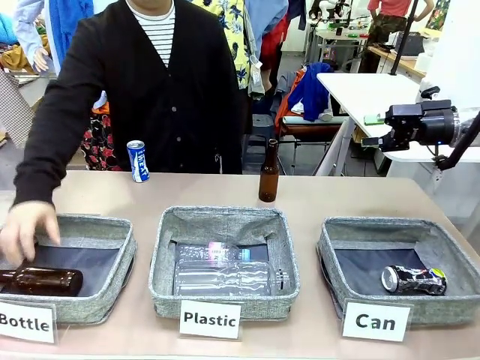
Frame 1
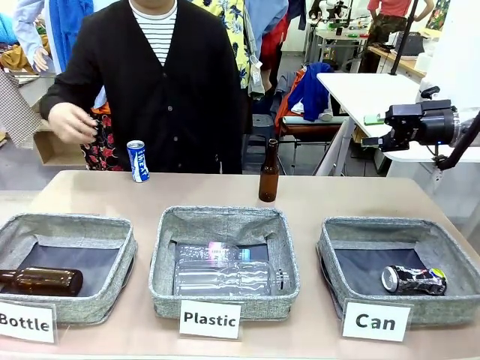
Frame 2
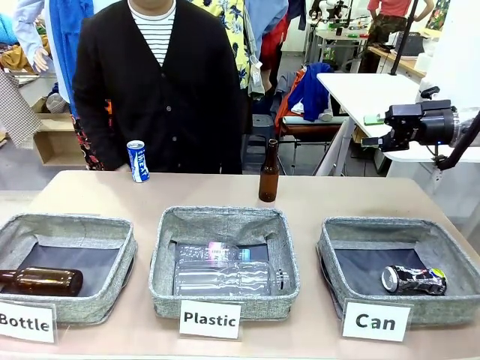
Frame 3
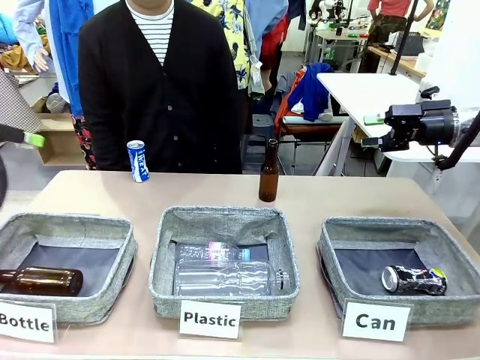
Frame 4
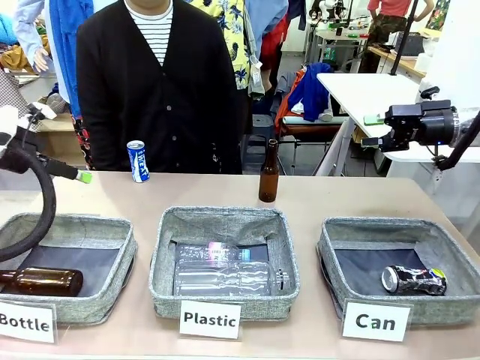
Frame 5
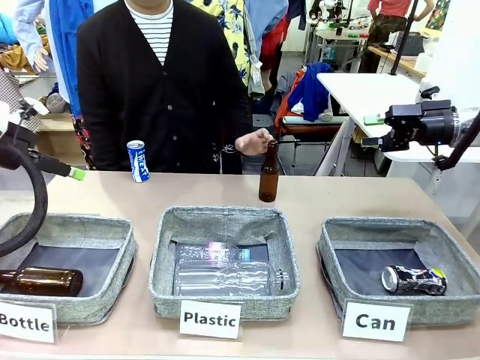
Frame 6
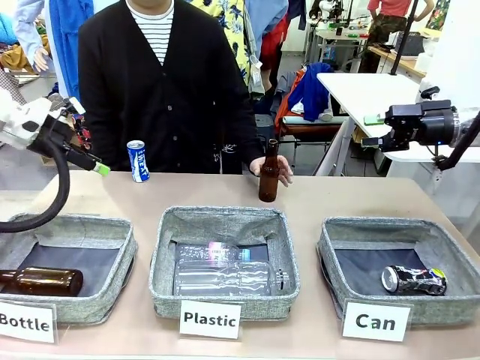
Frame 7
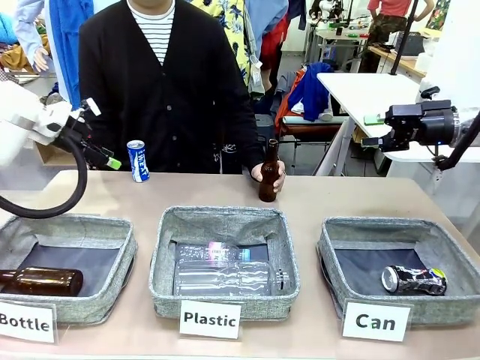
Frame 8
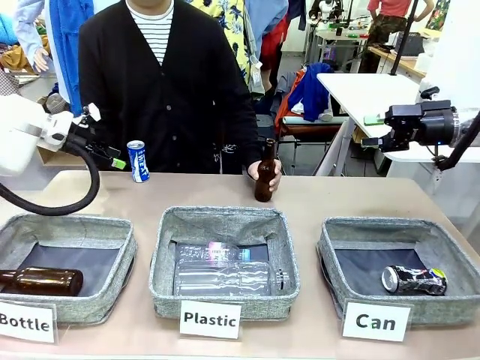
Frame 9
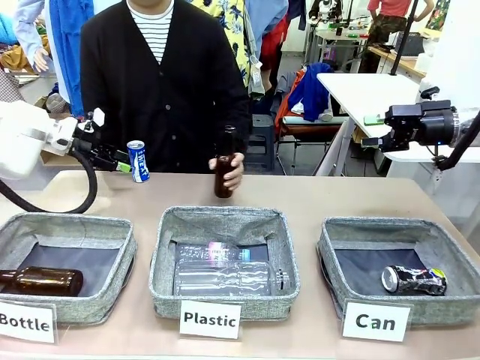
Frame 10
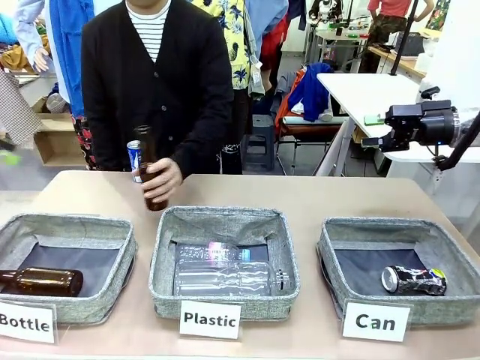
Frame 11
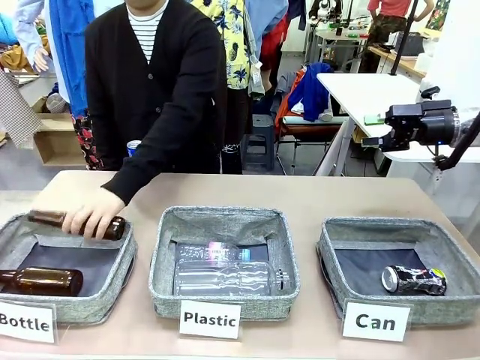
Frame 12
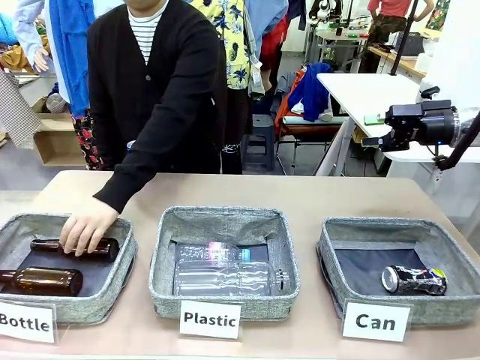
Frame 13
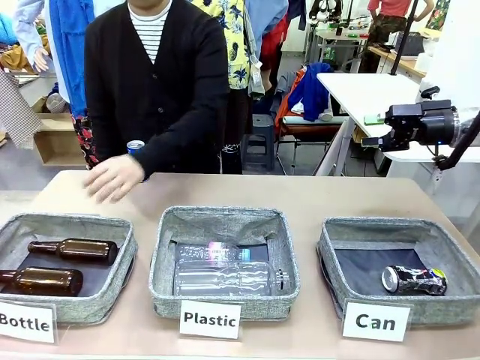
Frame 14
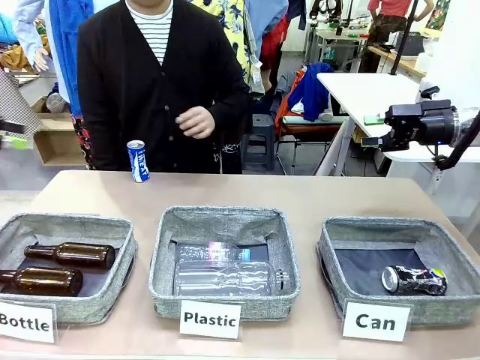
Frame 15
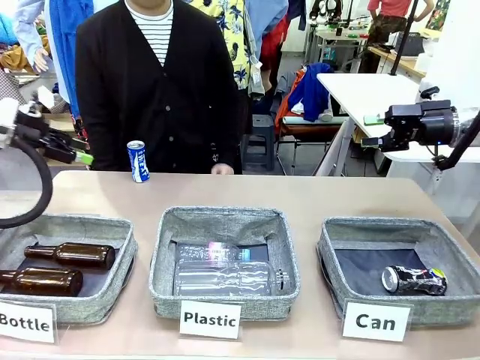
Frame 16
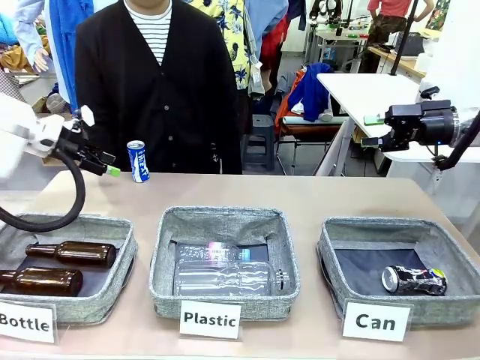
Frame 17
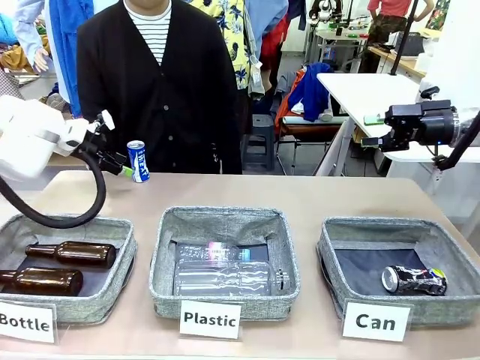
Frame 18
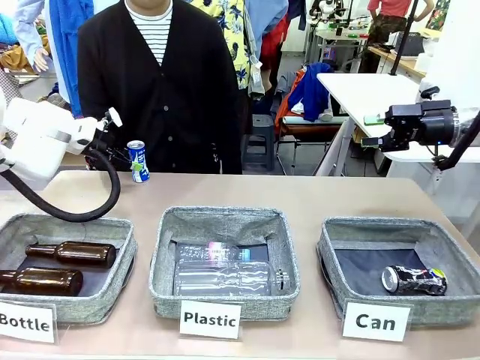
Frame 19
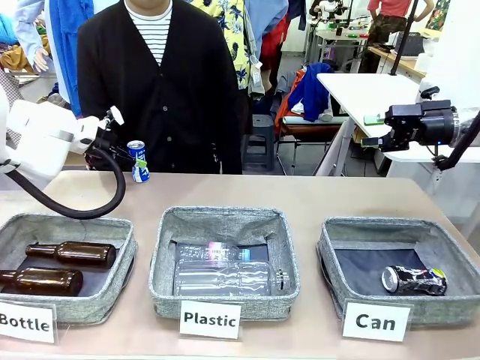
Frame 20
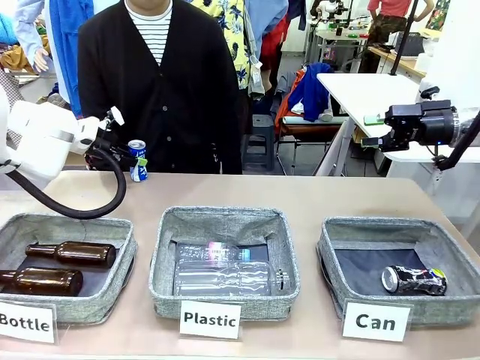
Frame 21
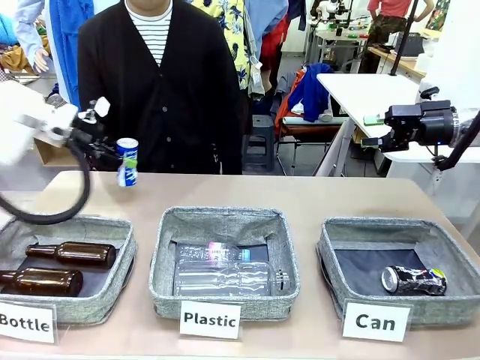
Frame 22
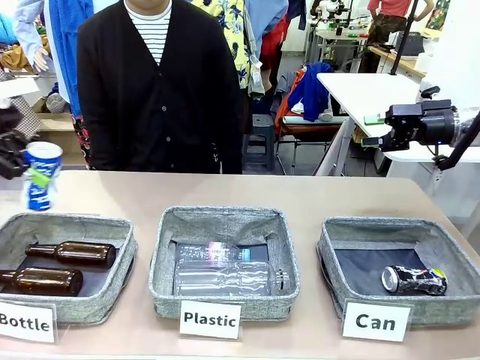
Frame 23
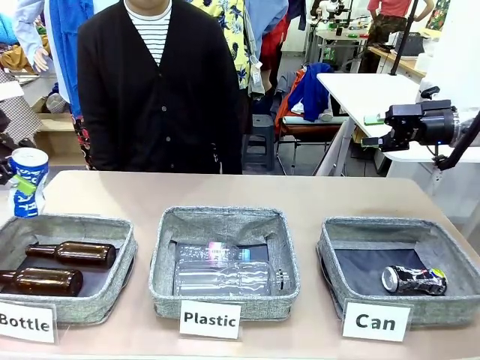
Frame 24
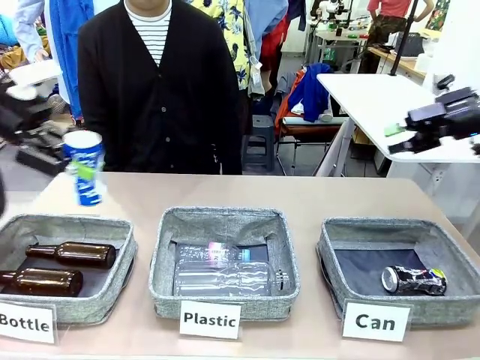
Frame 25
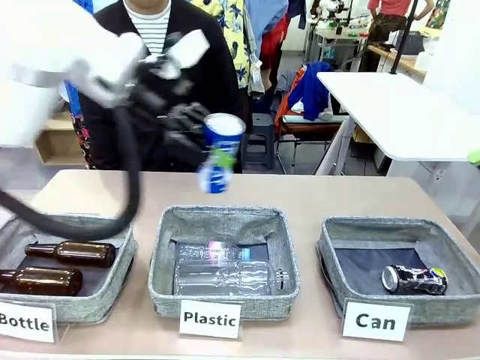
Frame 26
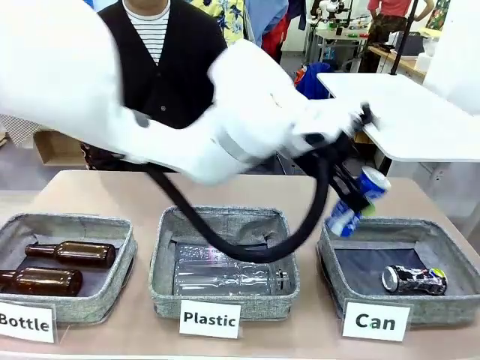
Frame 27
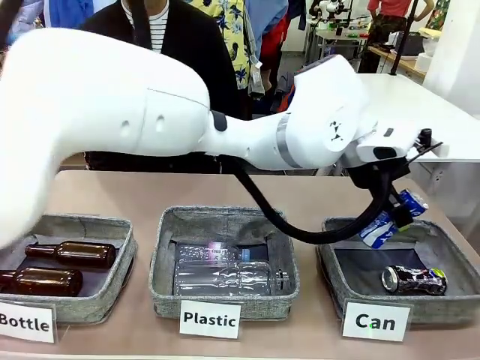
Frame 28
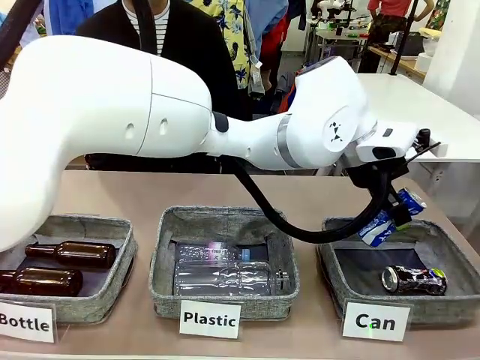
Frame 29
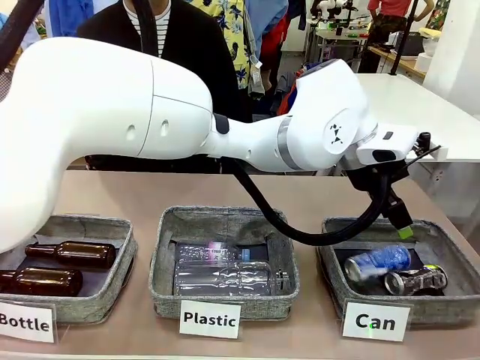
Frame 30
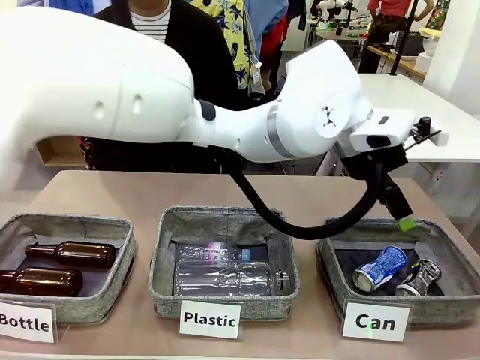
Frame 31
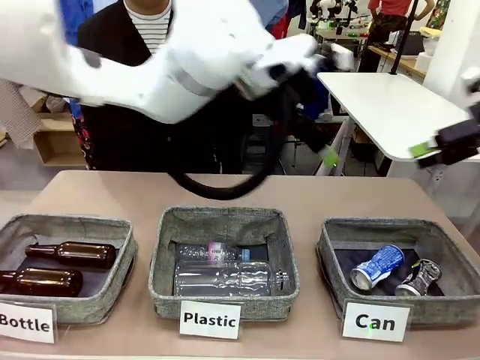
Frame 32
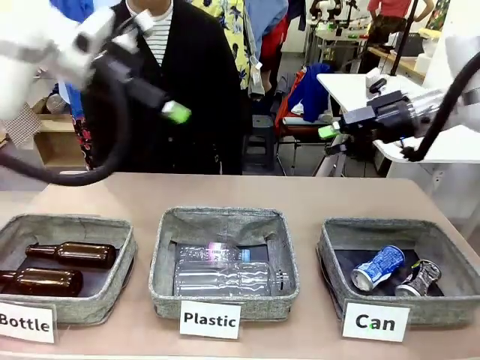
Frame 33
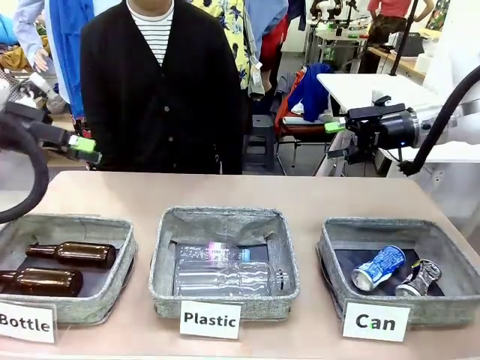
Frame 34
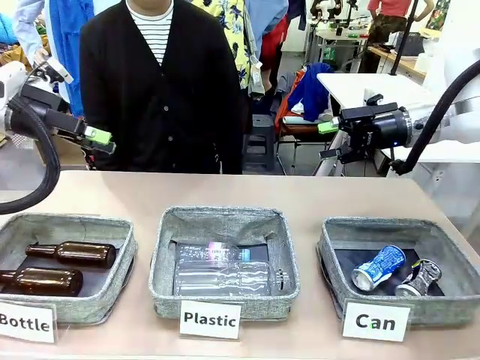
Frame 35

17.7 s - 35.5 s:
Task: Sort the can waste into the basket.
Robot: Pick up the can waste from the table and place it in the right Fabric basket.
Person: The human picks up one piece of trash that is not a can and places the trash into the appropriate organizing basket.

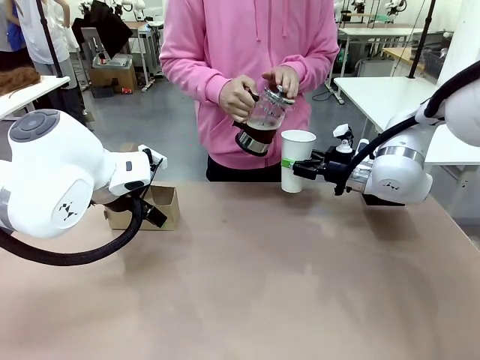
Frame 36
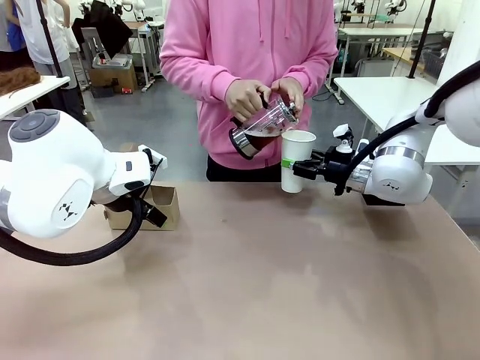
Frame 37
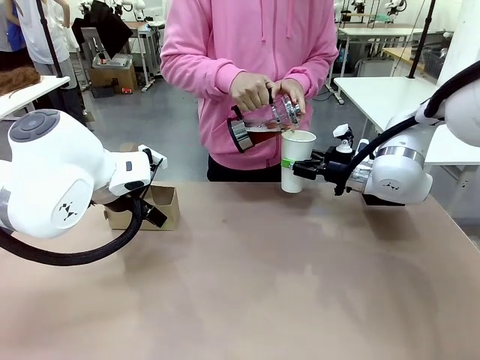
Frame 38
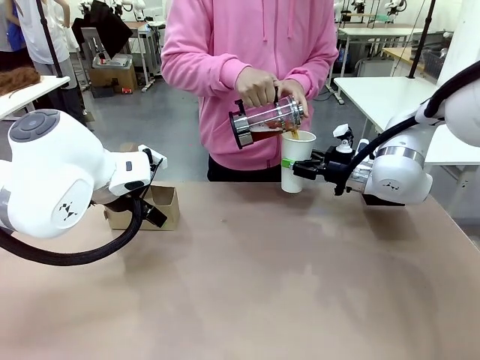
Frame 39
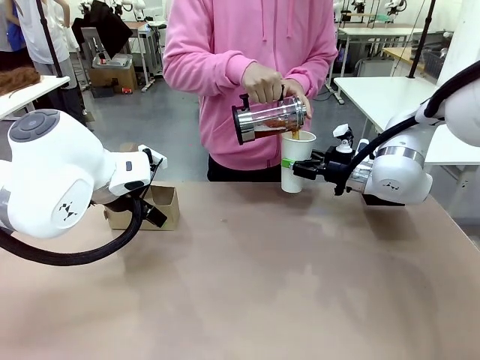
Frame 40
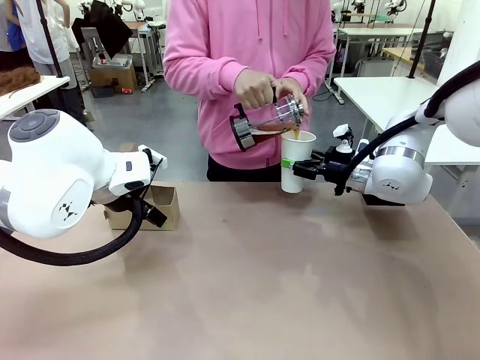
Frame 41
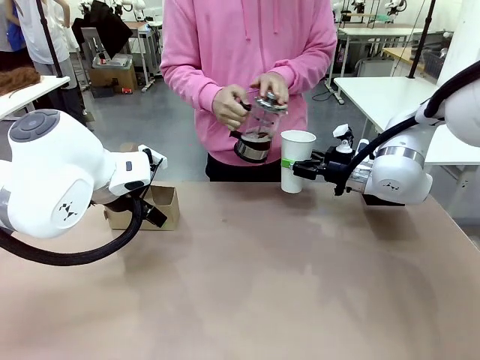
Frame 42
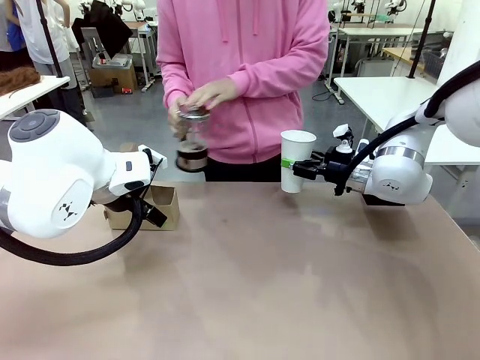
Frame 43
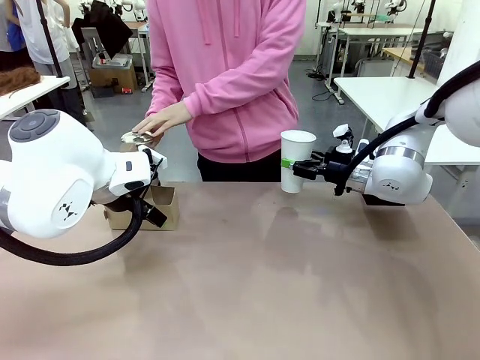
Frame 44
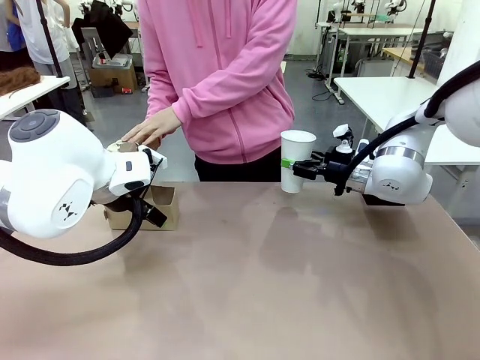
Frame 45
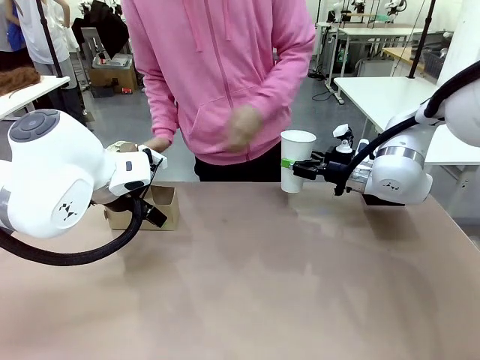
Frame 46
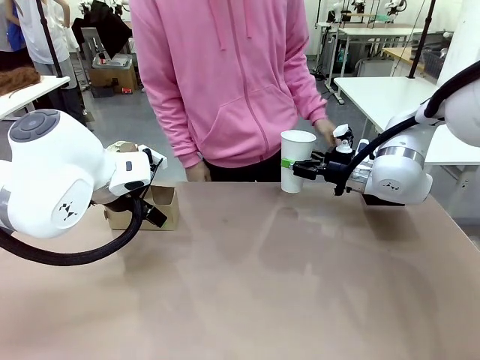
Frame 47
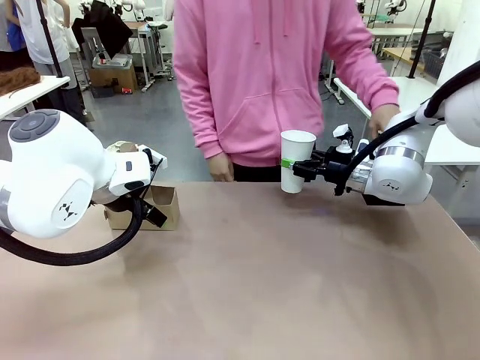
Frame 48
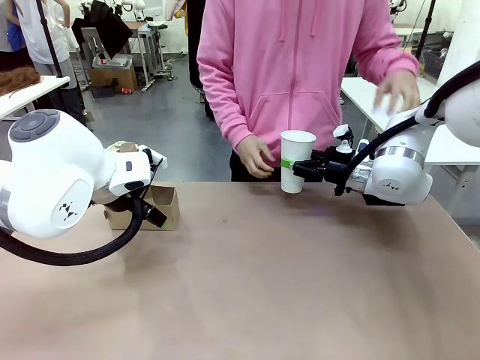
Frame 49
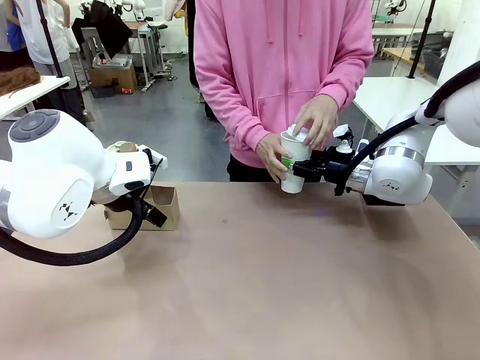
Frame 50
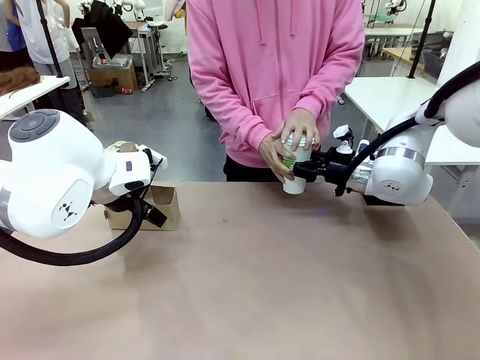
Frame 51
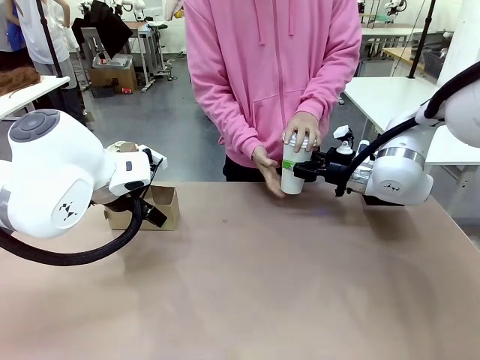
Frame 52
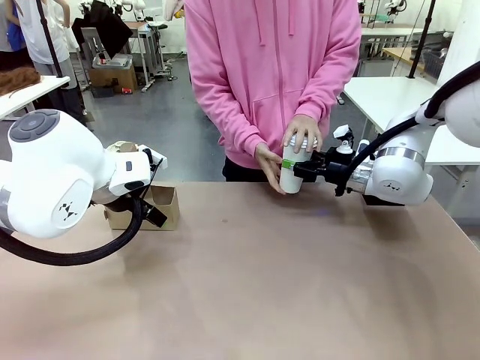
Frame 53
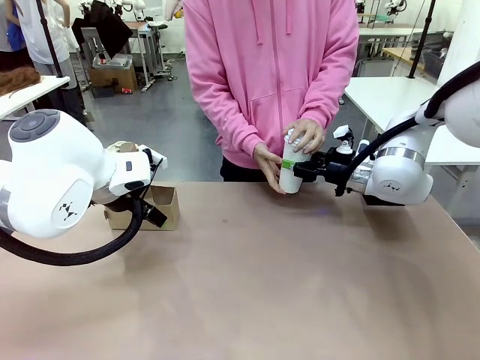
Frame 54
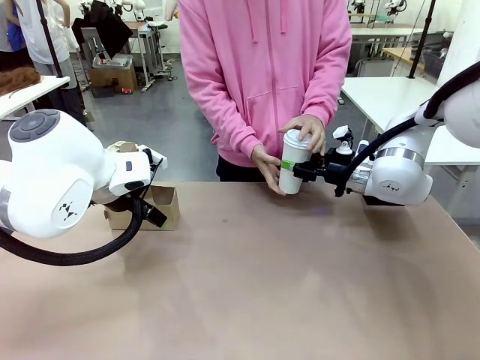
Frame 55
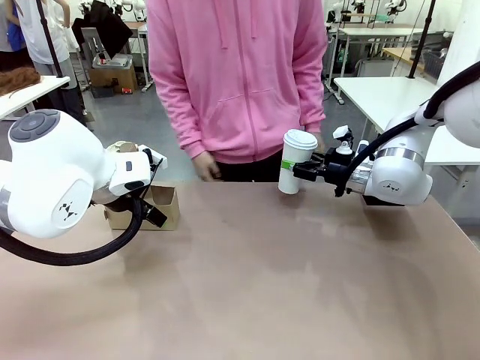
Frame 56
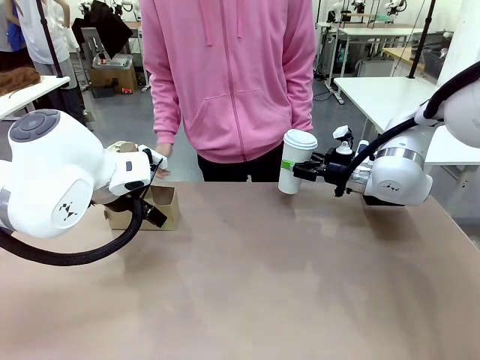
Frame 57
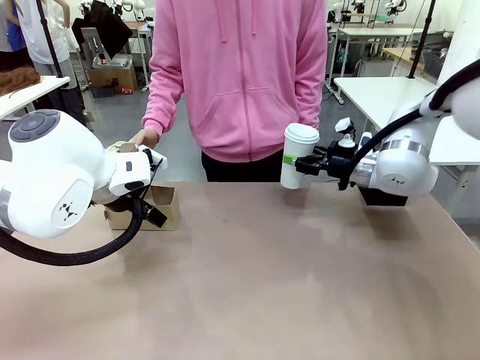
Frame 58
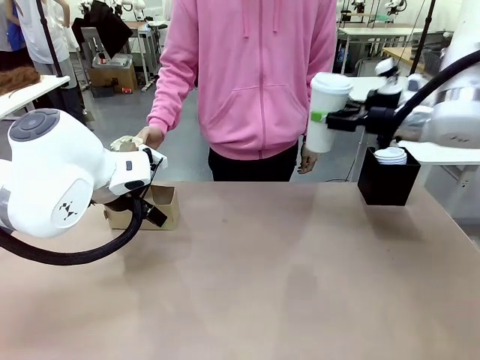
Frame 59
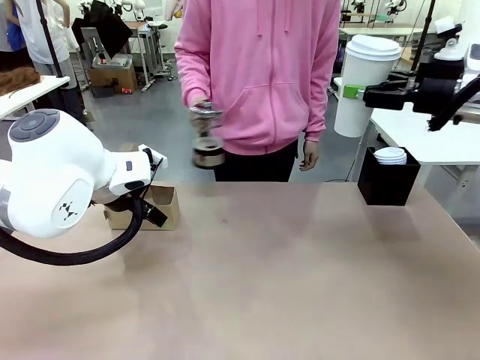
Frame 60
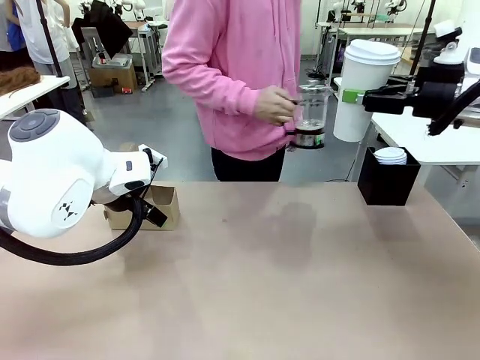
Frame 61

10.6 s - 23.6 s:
Task: Pour a drink into a cup and package it in a carrier.
Robot: When a person places the Paper Cup Lid on the 600 ml Paper Cup , lift the 600 ml Paper Cup.
Person: Pour the drink from the Filter Brewing into the 600 ml Paper Cup. Place a Paper Cup Lid on the 600 ml Paper Cup.
